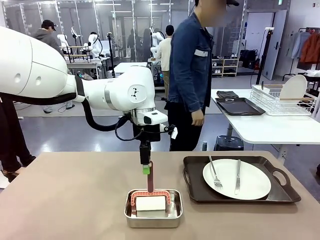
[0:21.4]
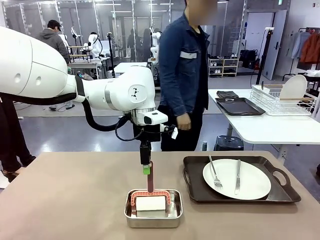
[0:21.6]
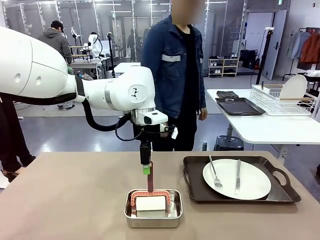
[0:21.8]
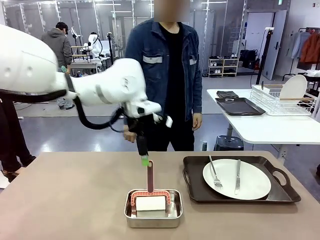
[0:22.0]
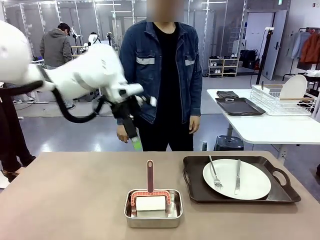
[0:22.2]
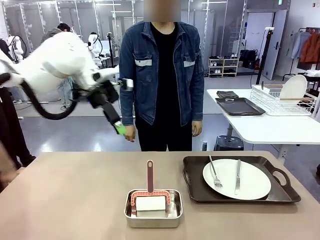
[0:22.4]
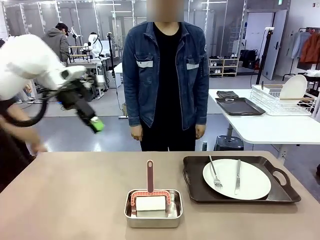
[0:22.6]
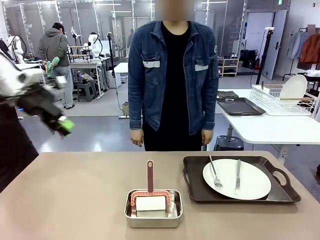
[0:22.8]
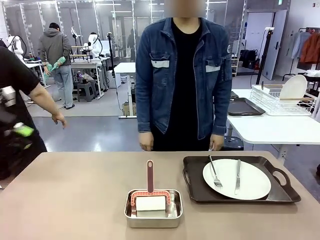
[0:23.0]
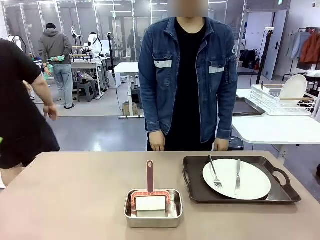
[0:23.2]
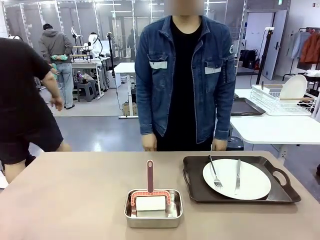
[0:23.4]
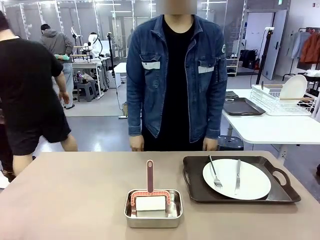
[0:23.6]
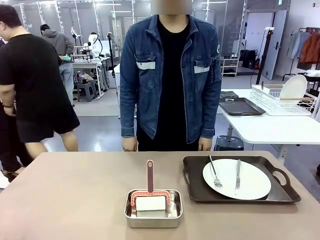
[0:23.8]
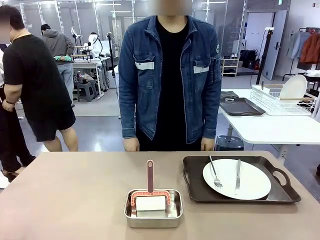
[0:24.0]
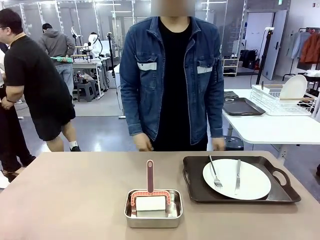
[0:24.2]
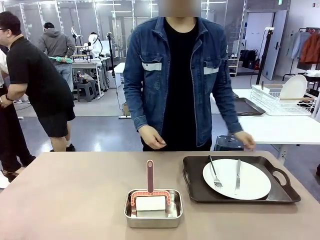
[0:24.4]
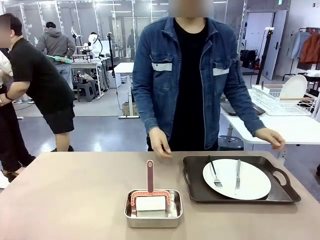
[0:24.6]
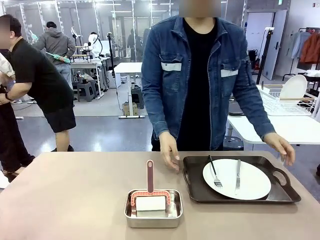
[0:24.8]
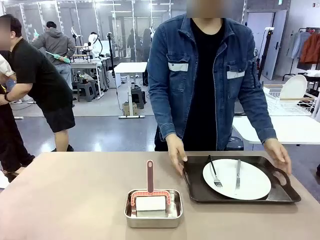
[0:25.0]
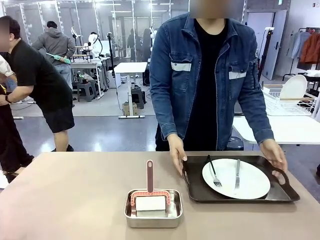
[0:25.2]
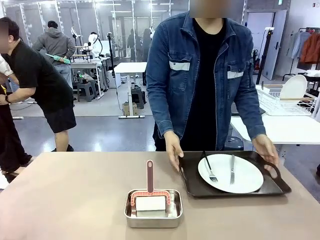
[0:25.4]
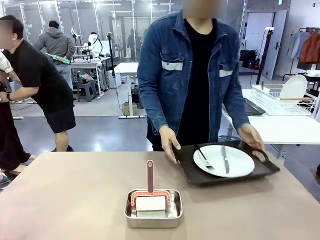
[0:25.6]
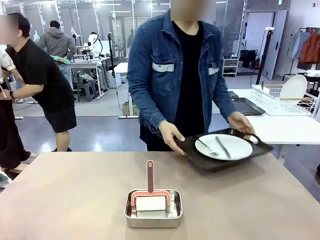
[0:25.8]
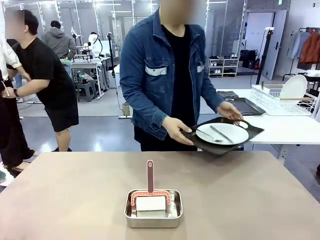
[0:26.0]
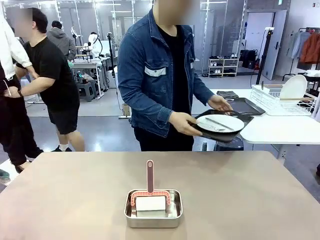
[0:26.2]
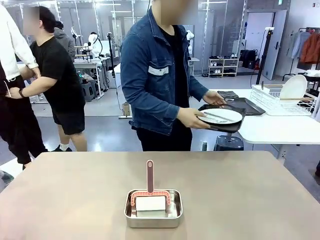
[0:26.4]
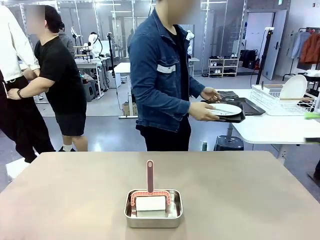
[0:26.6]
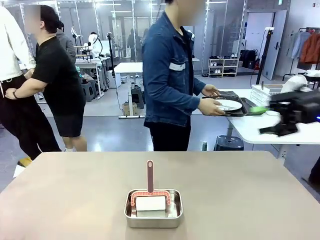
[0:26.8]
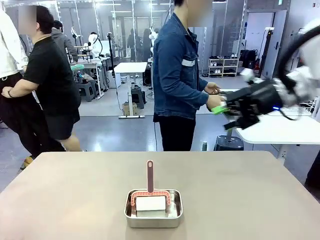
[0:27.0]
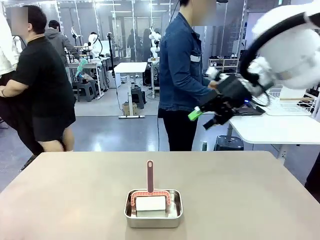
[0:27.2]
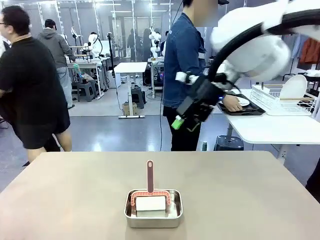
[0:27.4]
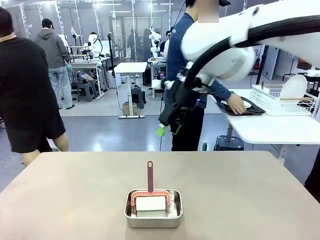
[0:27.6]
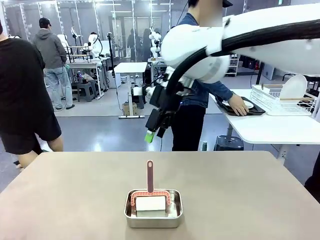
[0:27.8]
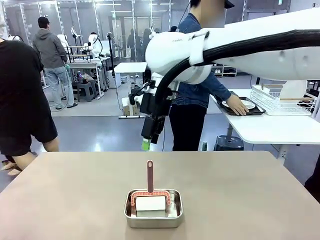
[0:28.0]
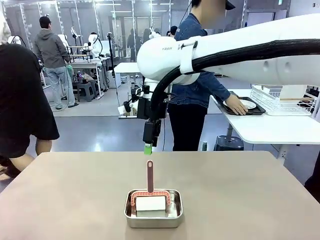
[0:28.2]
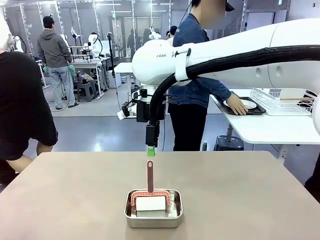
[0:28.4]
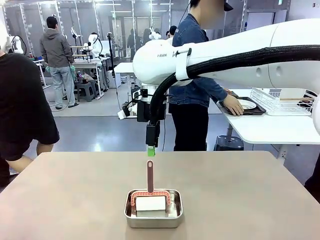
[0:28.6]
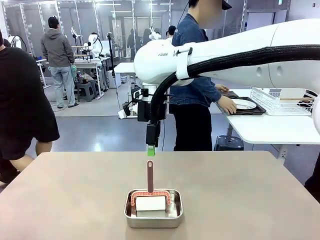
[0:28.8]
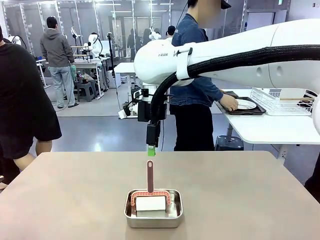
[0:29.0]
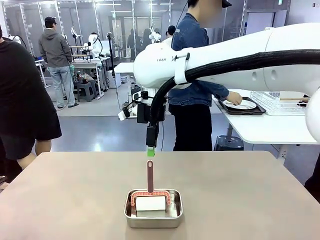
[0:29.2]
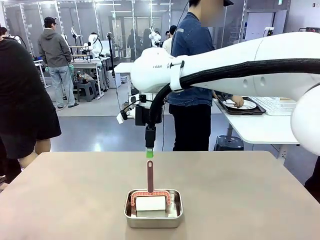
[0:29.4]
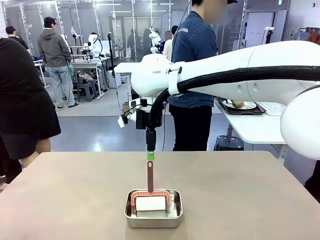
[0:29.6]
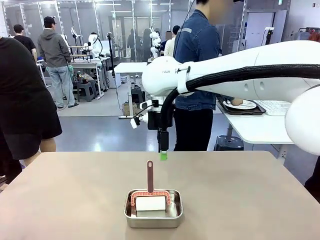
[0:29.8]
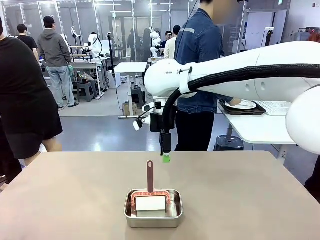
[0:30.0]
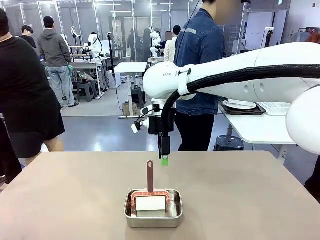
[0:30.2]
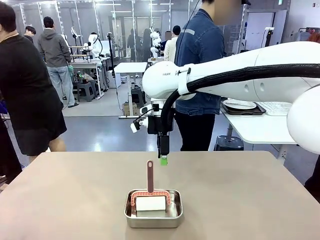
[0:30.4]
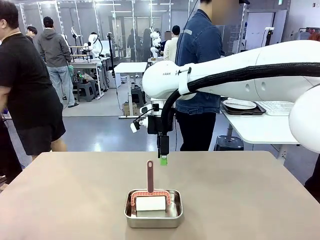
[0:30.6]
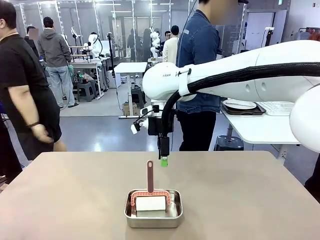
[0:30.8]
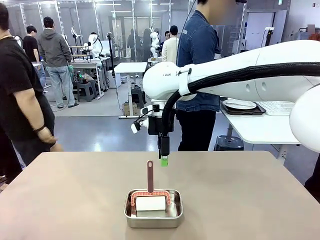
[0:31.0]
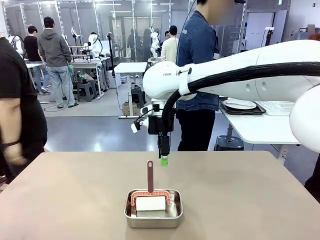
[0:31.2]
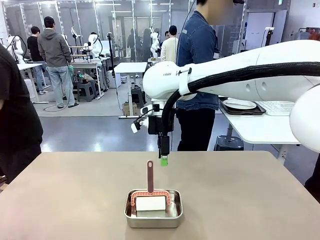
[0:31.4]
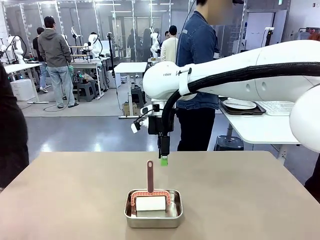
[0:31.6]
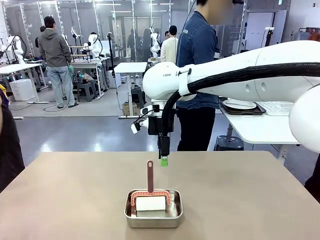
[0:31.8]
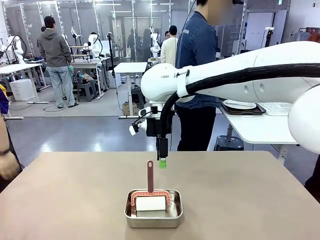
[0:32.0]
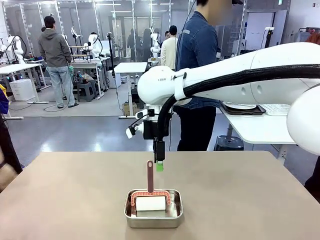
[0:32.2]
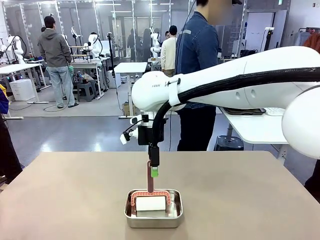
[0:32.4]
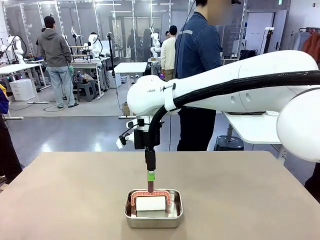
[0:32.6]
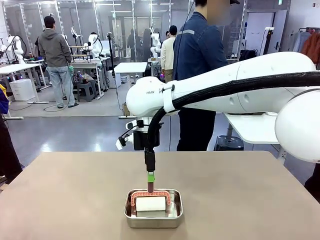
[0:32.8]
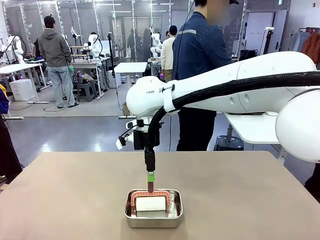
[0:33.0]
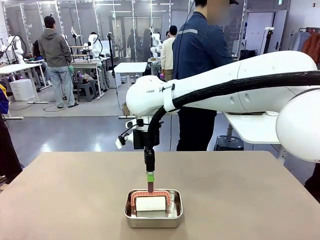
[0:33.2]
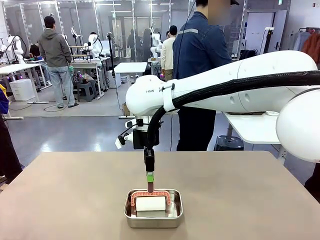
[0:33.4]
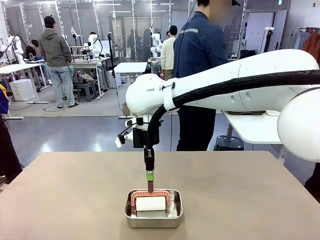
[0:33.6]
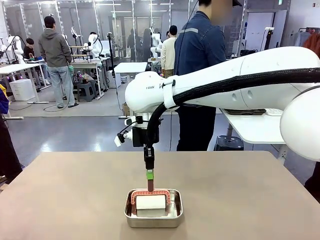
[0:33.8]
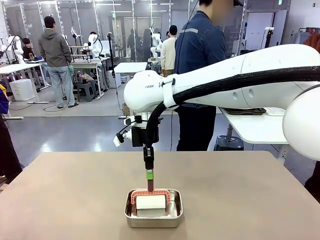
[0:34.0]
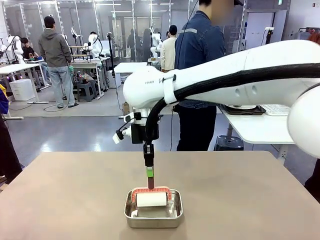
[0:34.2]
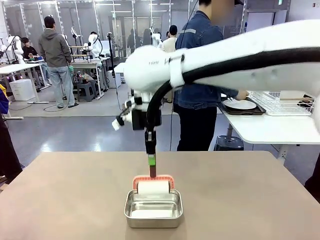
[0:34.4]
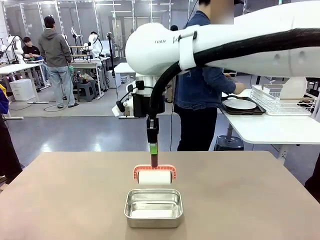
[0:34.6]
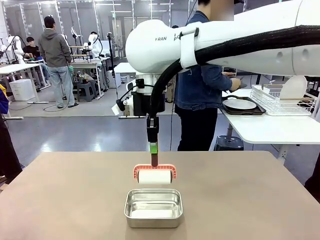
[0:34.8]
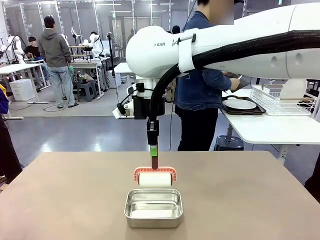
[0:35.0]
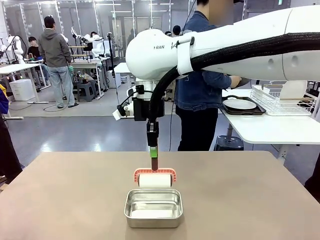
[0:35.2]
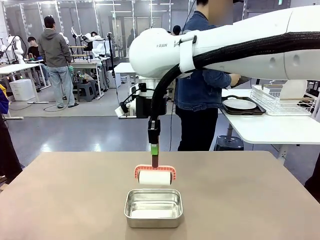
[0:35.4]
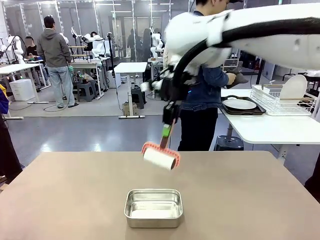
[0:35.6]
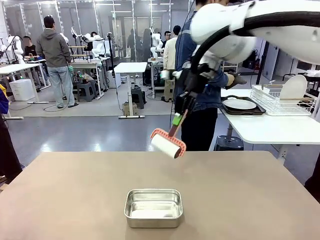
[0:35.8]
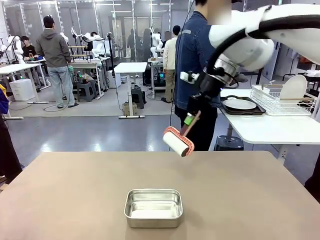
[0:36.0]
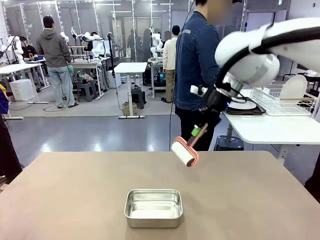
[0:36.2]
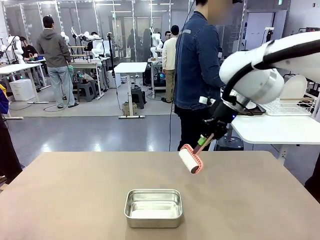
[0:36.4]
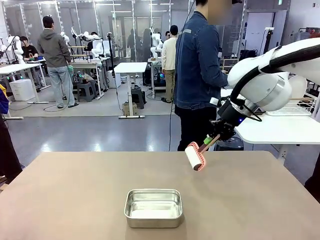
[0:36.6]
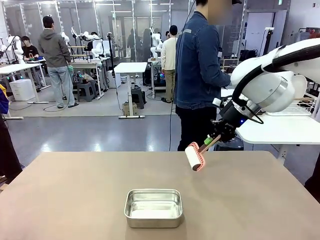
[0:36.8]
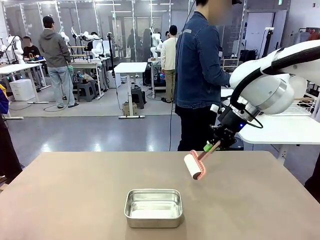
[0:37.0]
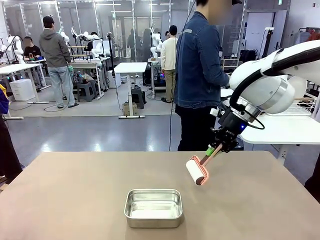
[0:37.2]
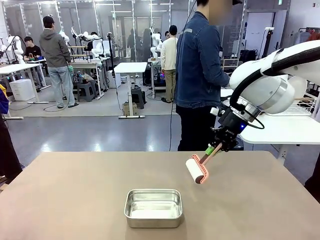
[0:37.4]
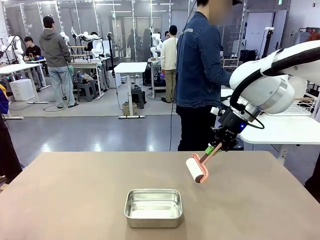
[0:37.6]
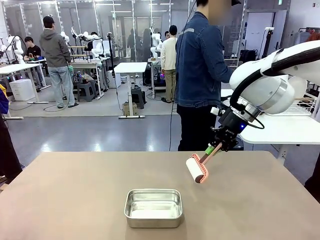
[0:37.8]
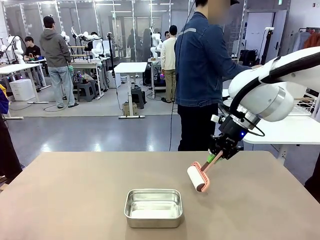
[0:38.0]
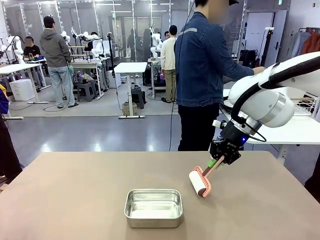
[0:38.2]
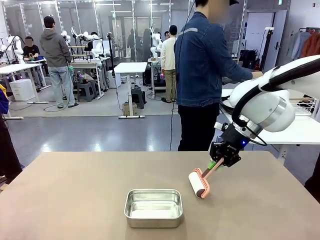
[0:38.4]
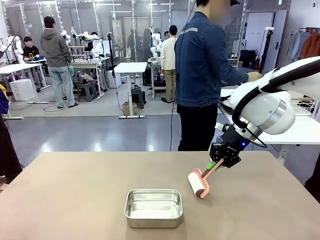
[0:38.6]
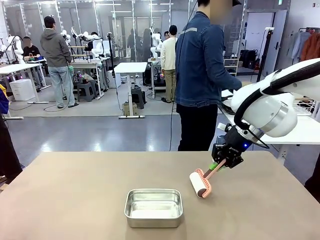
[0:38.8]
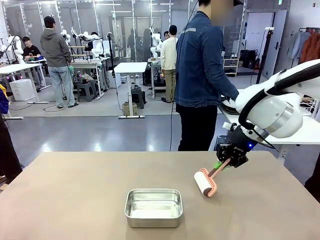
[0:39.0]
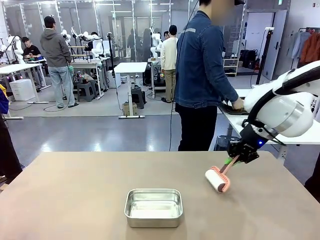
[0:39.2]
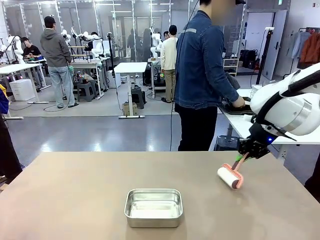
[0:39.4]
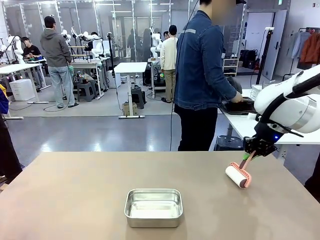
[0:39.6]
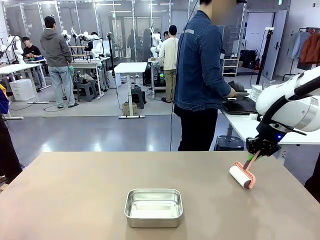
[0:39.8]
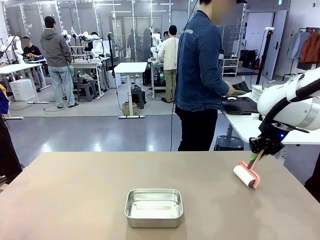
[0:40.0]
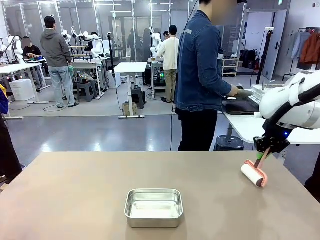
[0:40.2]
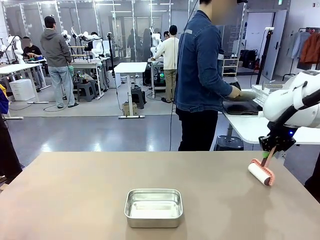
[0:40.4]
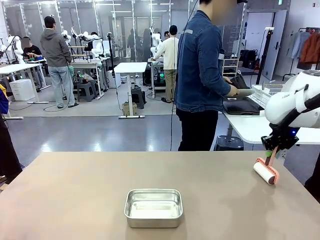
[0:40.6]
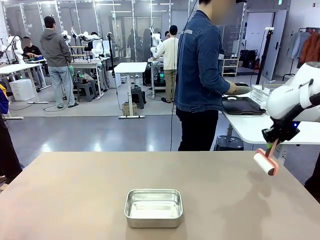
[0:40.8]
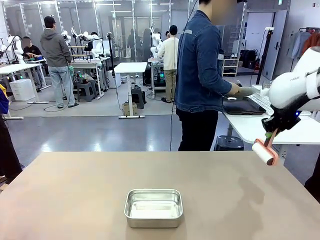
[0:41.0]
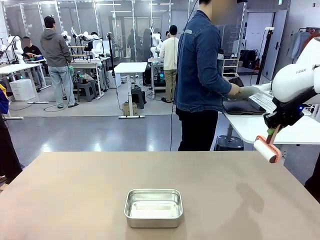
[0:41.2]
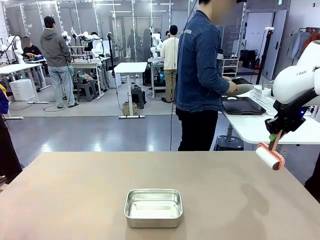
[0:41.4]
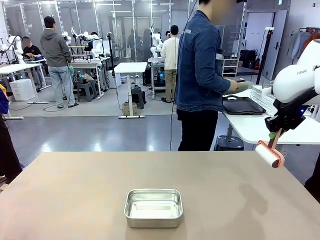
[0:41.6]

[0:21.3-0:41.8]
Robot: When the right (or left) Handle tray is removed, use the right hand (or left hand) to clean the right (or left) side of the table with the Lint Roller.
Person: Pick up the left (or right) Handle tray and place it on the Handle tray. Use the Towel with hook to wipe the Plastic Matte Plate , Fork , and Knife and place into the Dish drying rack.
